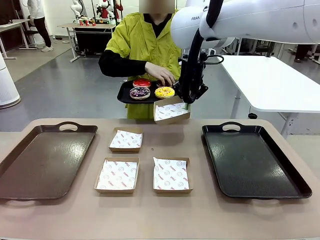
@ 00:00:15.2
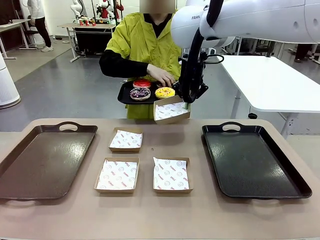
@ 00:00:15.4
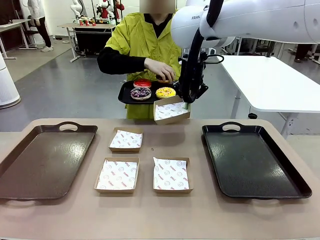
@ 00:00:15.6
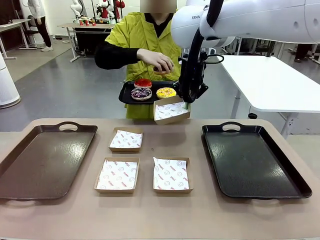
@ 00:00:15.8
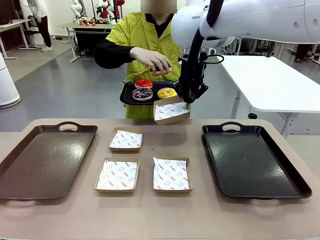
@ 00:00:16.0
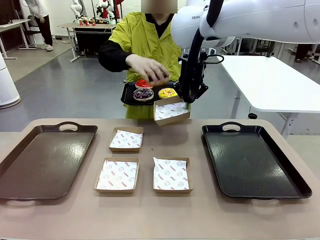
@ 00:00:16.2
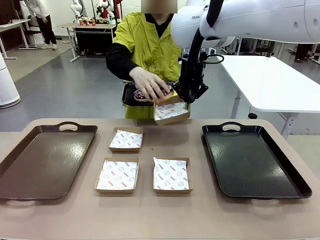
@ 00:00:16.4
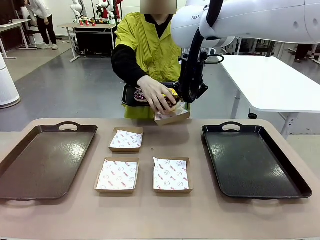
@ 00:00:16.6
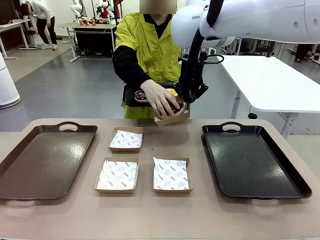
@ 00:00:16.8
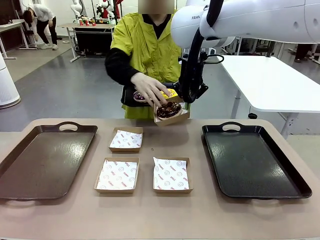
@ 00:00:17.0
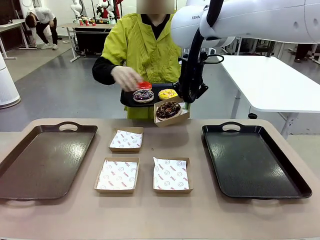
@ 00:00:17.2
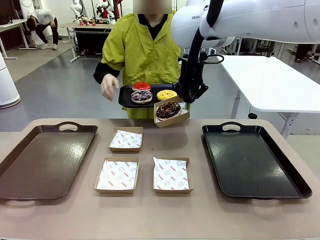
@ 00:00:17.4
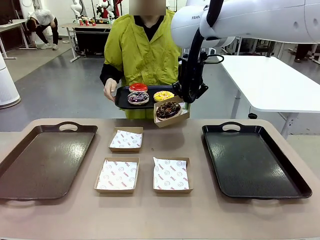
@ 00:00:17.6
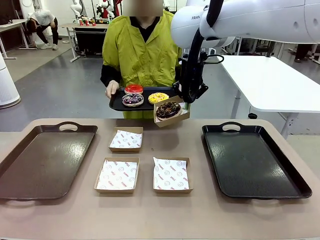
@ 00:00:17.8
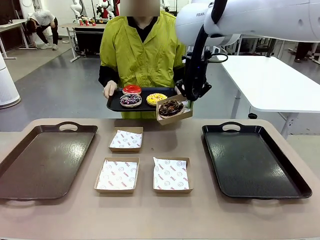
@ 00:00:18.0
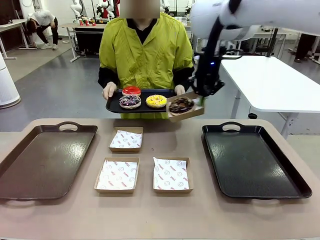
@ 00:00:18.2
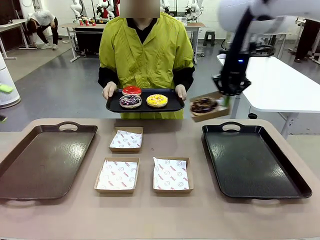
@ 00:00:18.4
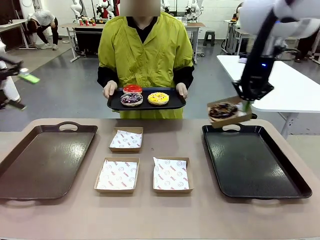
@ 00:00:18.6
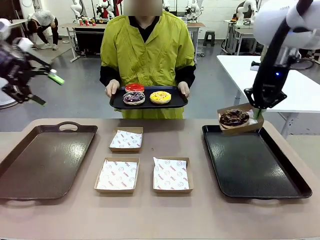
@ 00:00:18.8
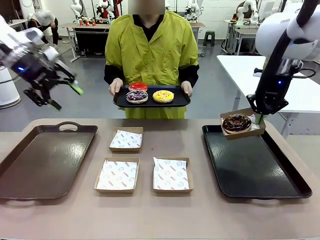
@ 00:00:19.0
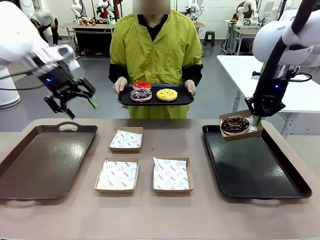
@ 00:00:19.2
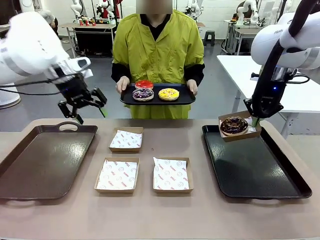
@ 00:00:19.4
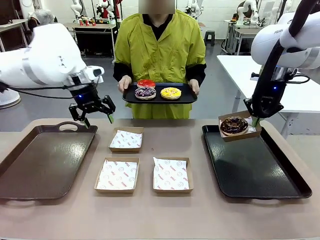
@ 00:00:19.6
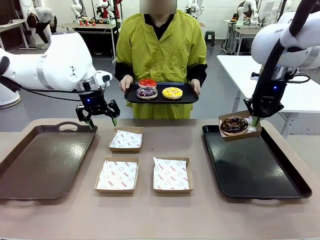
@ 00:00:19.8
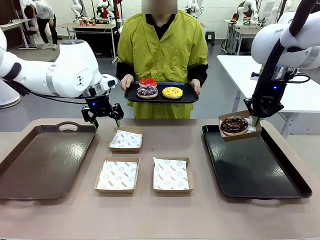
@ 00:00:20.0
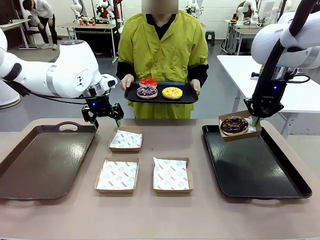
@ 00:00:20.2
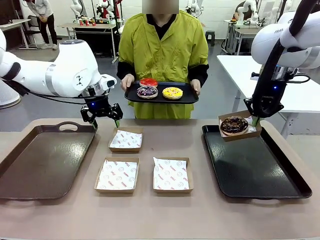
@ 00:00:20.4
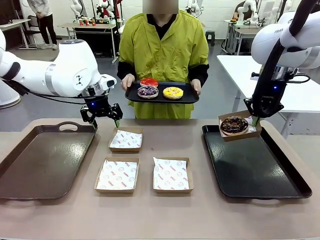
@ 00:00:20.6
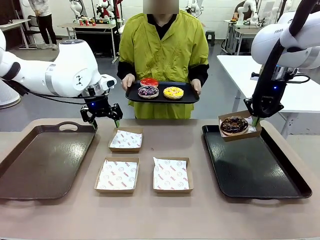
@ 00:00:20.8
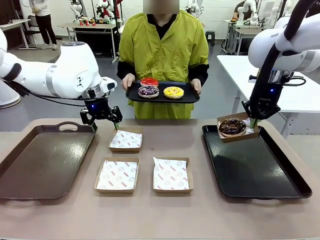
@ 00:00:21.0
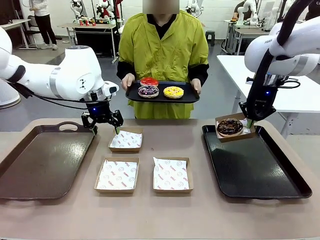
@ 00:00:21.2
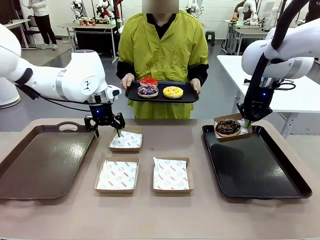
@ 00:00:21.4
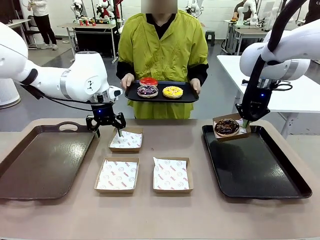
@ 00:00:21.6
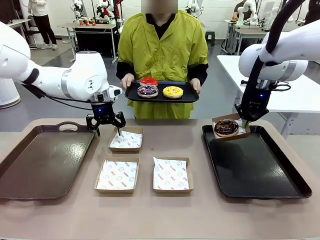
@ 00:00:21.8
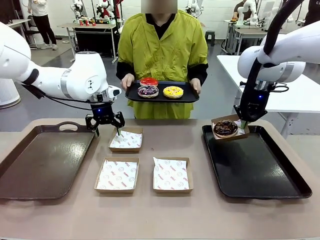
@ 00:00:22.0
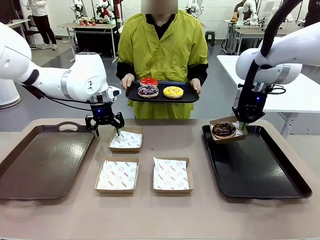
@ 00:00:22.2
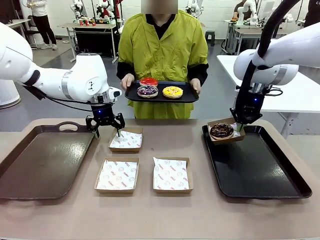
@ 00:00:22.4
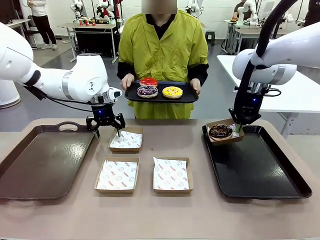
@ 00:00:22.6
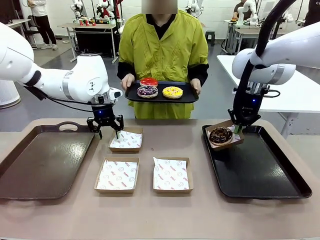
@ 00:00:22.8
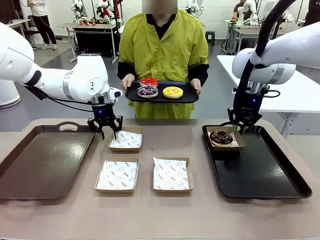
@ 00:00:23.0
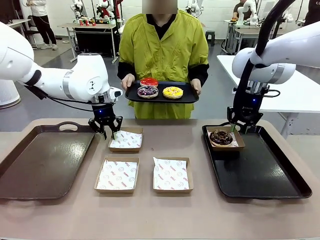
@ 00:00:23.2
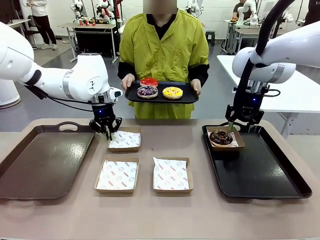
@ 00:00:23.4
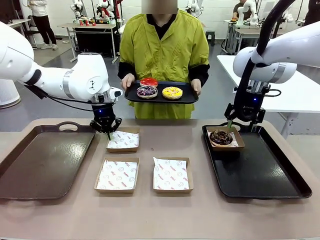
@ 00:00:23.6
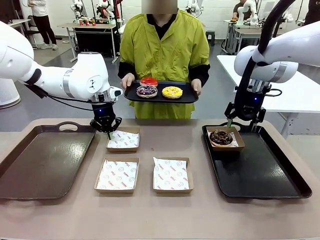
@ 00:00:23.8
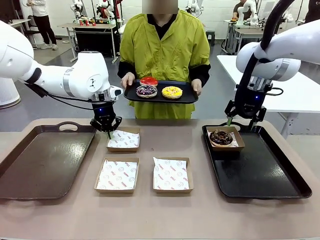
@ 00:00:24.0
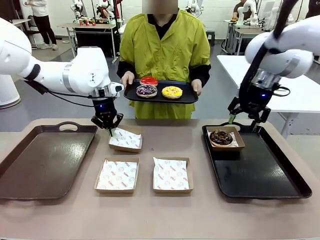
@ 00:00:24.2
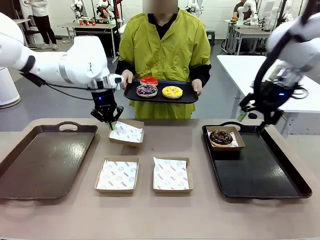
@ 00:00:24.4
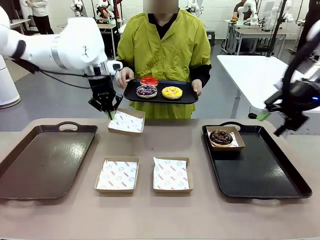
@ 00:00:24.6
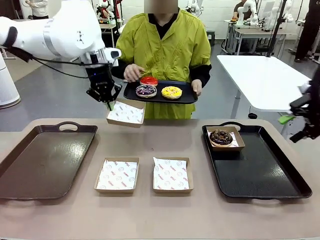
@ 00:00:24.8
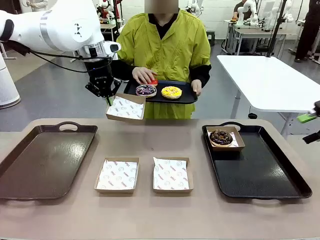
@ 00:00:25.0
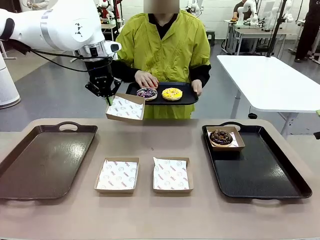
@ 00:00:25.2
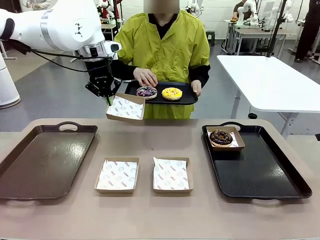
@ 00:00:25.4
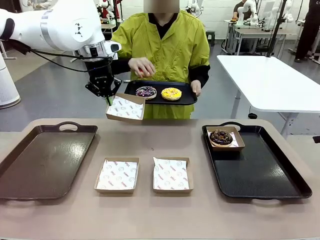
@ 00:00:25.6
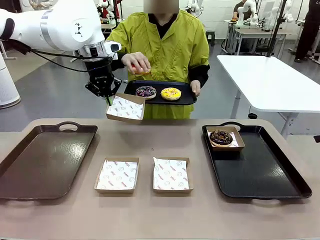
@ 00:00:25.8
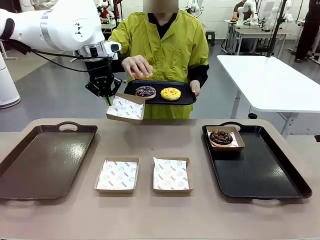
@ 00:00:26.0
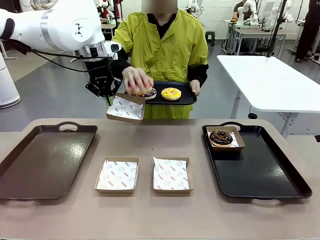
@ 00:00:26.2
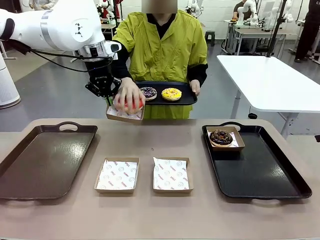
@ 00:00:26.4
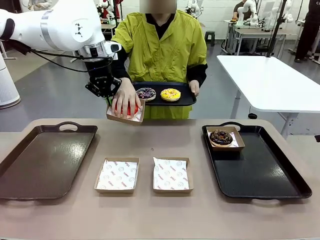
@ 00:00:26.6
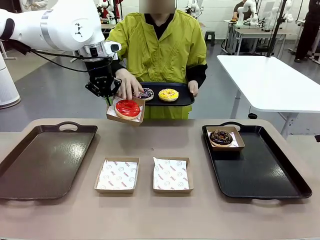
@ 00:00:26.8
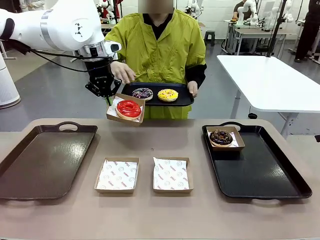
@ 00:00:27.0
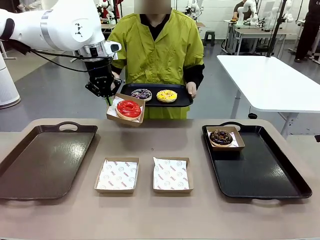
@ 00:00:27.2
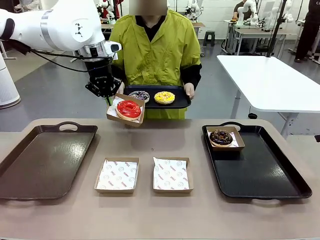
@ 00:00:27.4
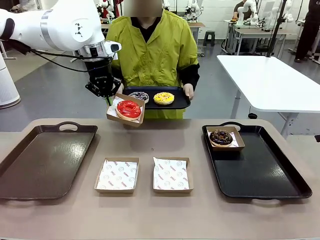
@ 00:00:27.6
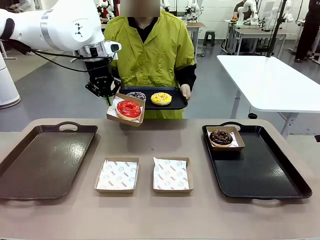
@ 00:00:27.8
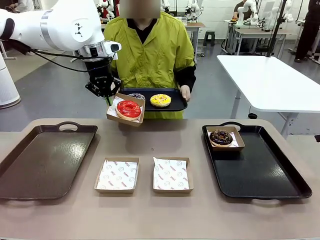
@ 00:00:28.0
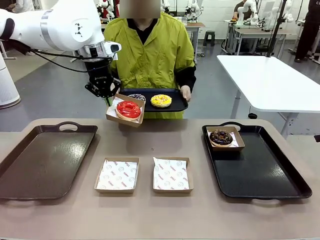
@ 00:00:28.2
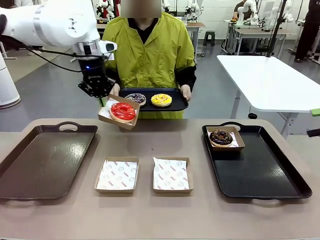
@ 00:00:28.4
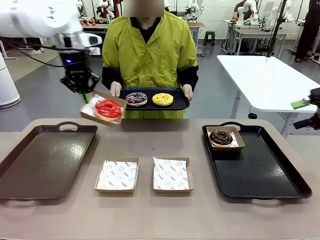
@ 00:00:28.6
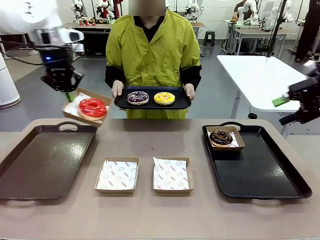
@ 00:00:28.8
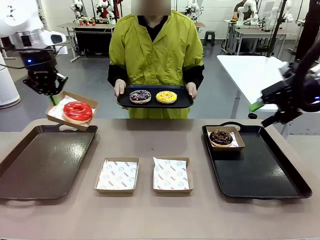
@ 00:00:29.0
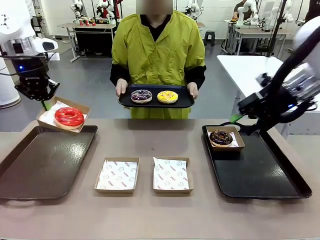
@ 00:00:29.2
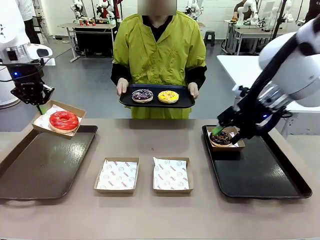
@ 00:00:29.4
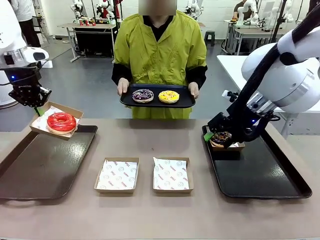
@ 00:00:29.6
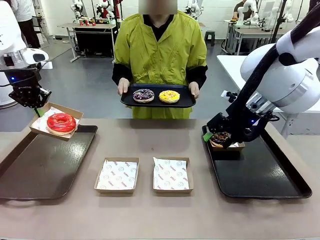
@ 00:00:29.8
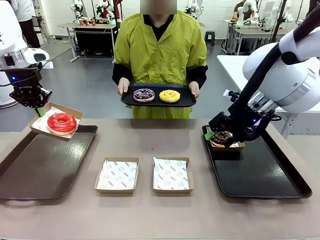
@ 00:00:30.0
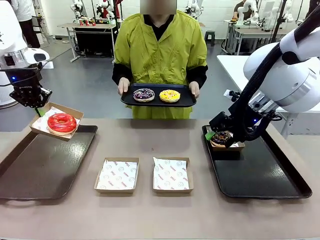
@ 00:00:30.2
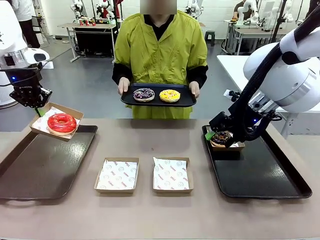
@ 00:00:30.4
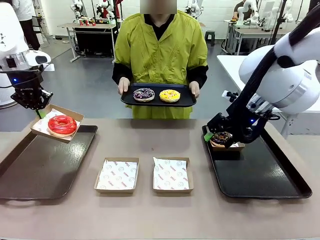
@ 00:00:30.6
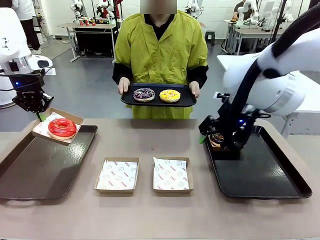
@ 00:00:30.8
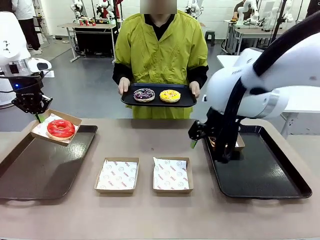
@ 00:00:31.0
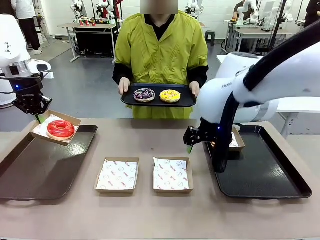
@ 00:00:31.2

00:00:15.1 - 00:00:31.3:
Task: Individually package the donuts and arrange them on the tray.
Robot: Place the picked Paper togo box on the Handle tray while simultaneously picking up another Paper togo box from the table with the other hand.
